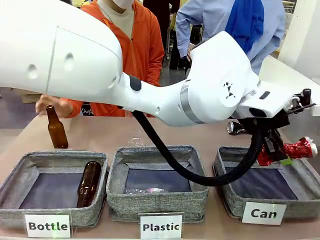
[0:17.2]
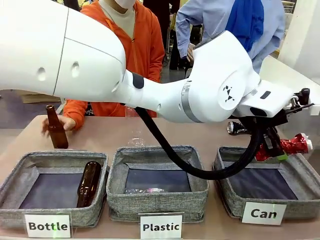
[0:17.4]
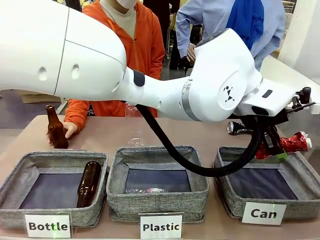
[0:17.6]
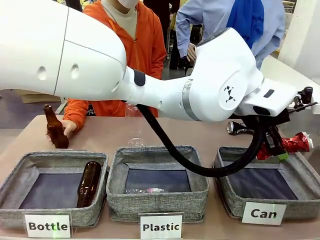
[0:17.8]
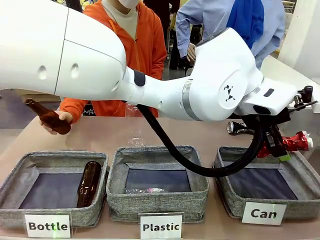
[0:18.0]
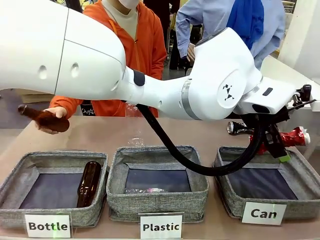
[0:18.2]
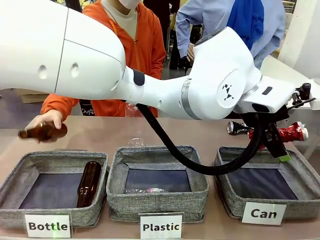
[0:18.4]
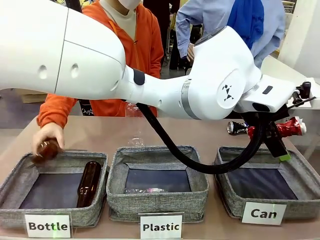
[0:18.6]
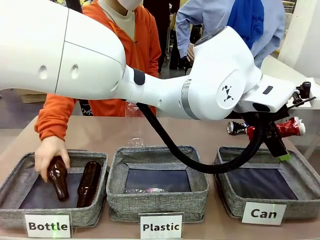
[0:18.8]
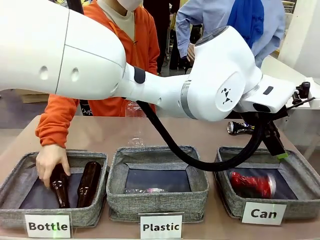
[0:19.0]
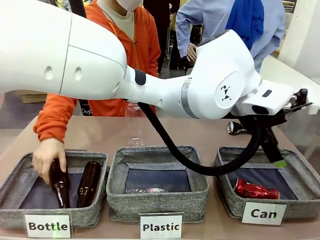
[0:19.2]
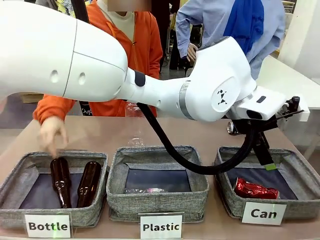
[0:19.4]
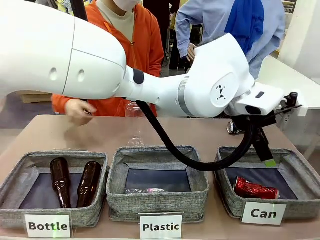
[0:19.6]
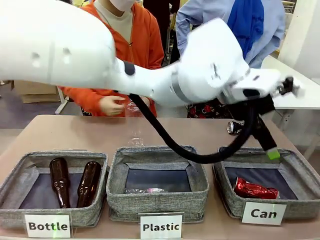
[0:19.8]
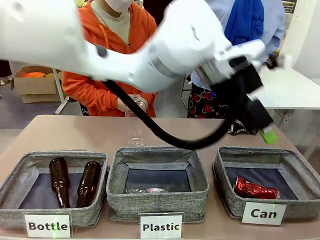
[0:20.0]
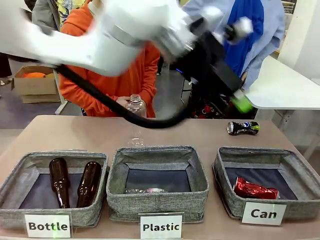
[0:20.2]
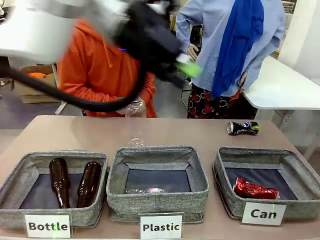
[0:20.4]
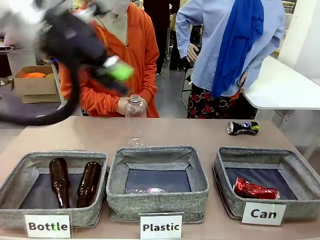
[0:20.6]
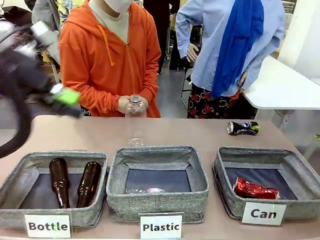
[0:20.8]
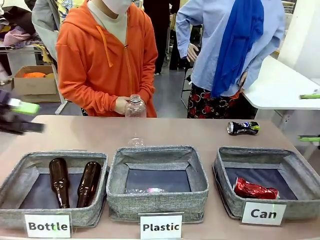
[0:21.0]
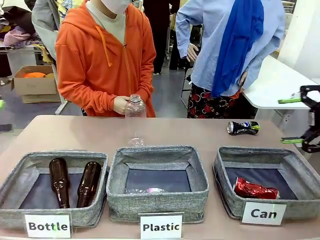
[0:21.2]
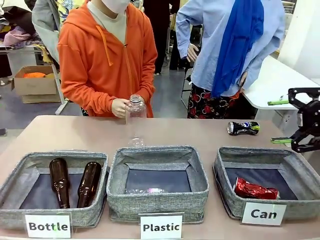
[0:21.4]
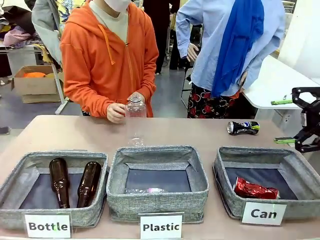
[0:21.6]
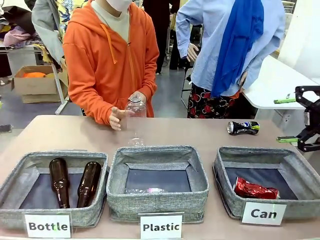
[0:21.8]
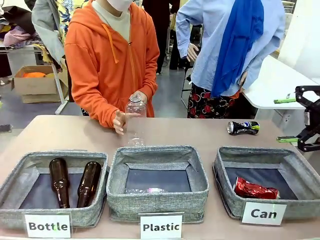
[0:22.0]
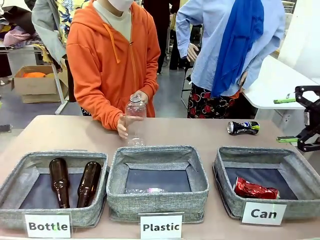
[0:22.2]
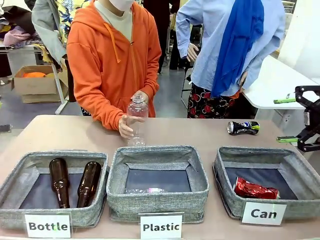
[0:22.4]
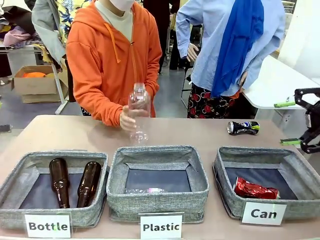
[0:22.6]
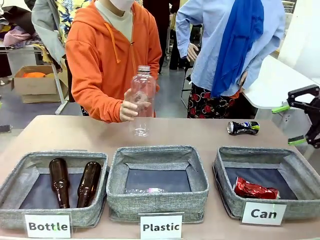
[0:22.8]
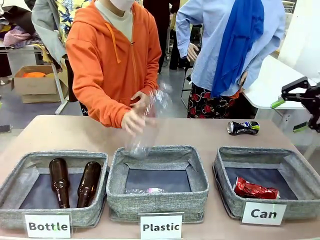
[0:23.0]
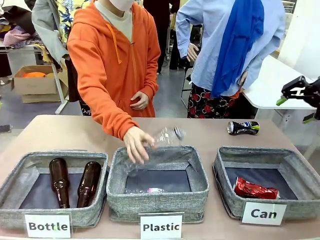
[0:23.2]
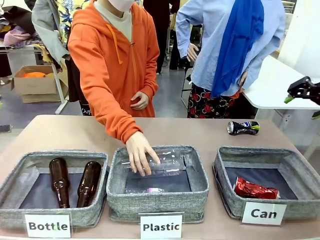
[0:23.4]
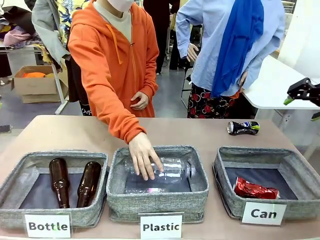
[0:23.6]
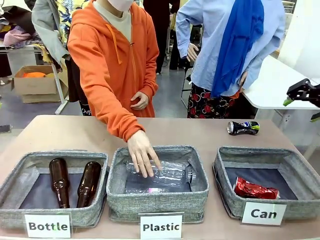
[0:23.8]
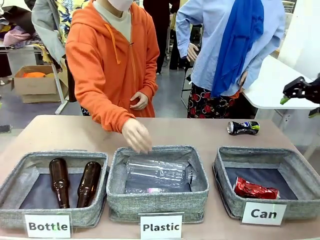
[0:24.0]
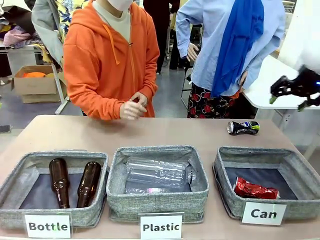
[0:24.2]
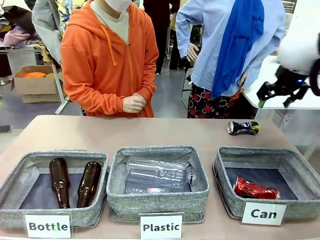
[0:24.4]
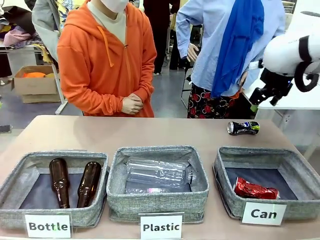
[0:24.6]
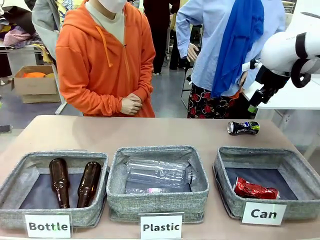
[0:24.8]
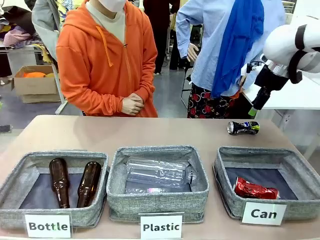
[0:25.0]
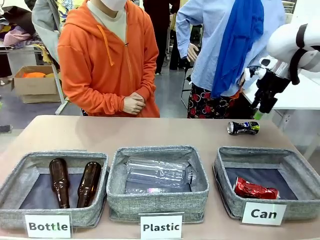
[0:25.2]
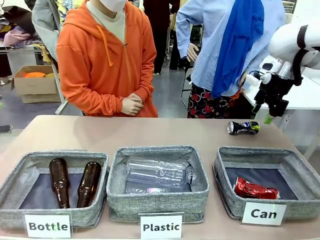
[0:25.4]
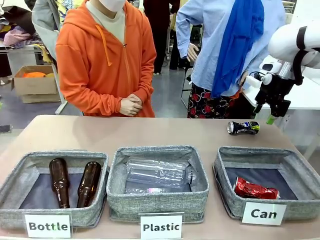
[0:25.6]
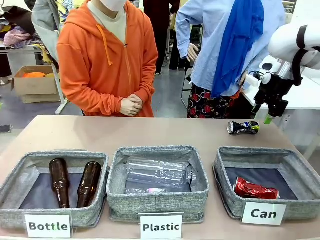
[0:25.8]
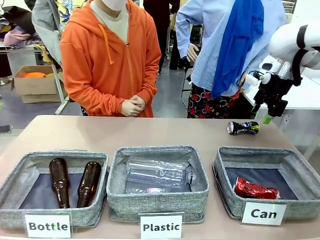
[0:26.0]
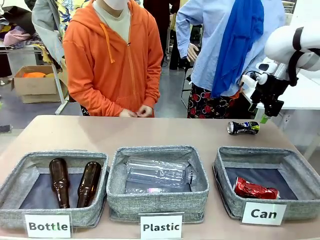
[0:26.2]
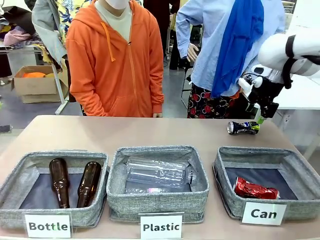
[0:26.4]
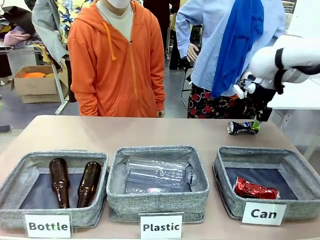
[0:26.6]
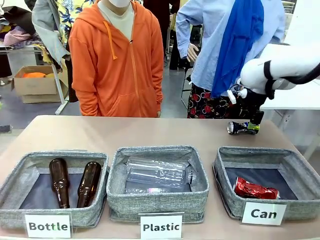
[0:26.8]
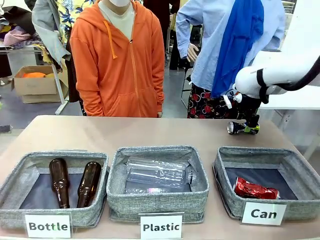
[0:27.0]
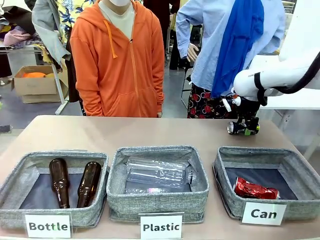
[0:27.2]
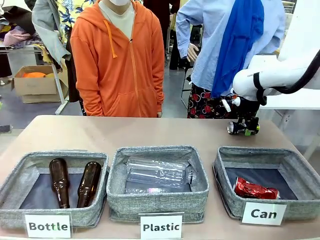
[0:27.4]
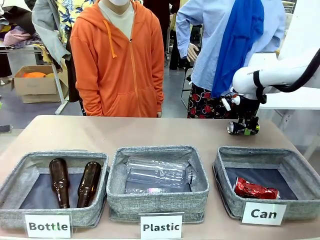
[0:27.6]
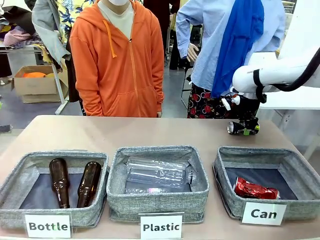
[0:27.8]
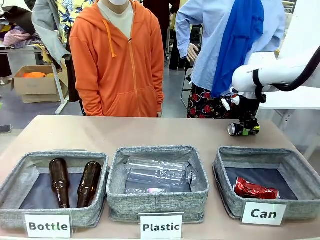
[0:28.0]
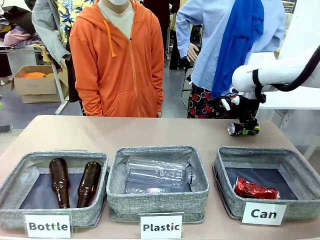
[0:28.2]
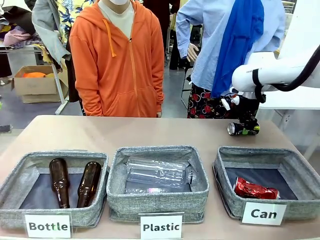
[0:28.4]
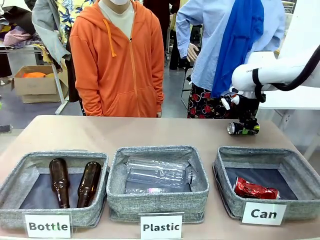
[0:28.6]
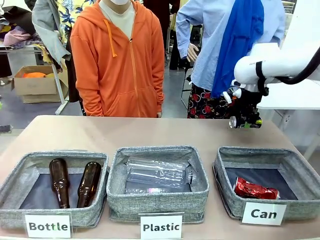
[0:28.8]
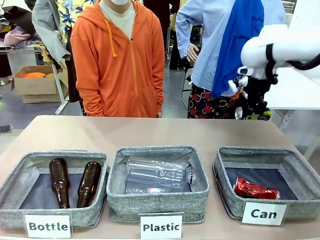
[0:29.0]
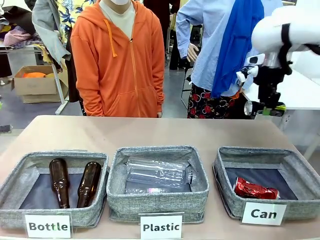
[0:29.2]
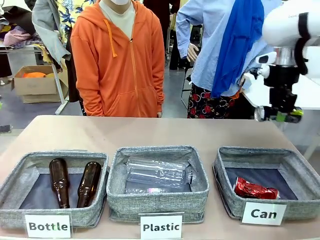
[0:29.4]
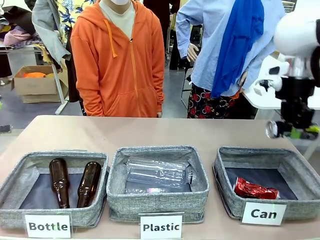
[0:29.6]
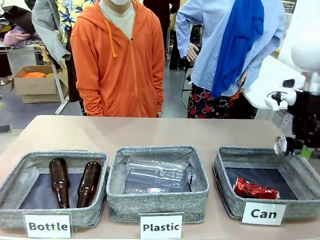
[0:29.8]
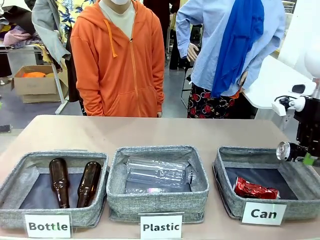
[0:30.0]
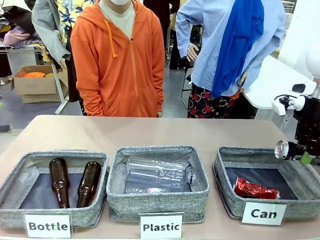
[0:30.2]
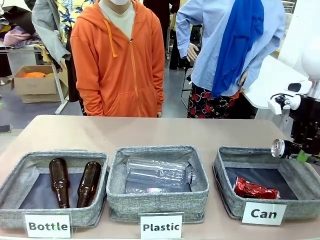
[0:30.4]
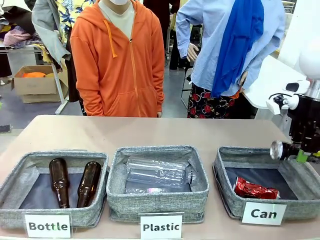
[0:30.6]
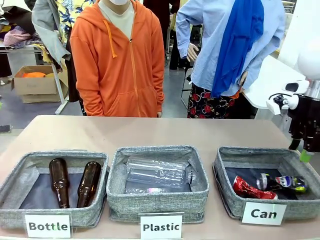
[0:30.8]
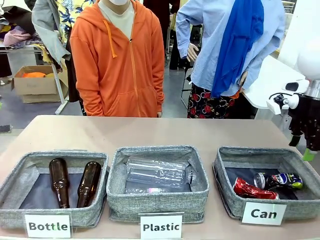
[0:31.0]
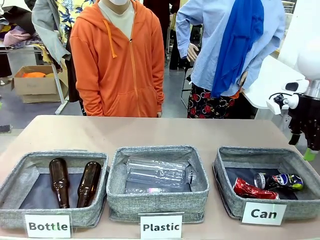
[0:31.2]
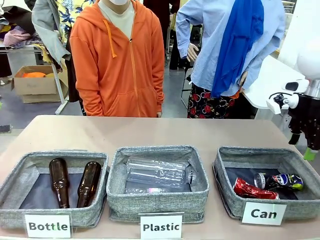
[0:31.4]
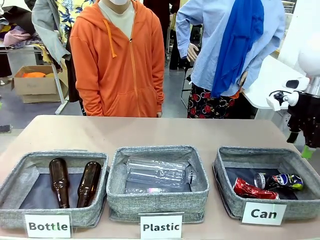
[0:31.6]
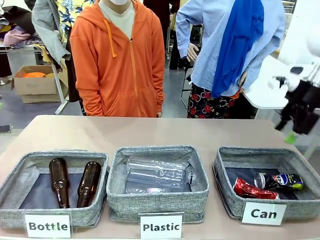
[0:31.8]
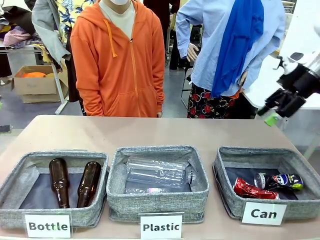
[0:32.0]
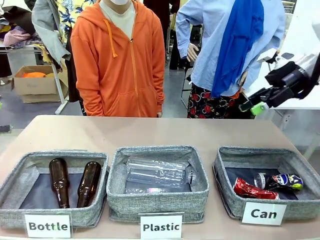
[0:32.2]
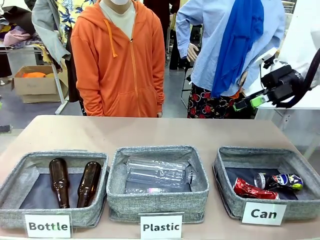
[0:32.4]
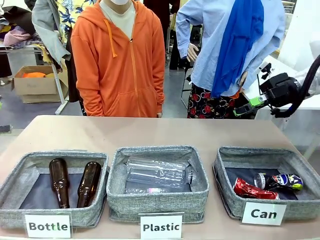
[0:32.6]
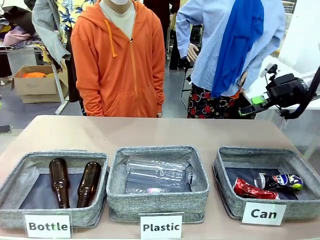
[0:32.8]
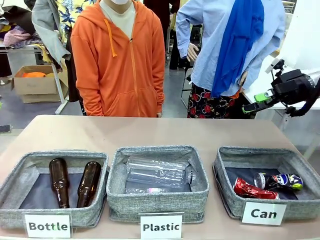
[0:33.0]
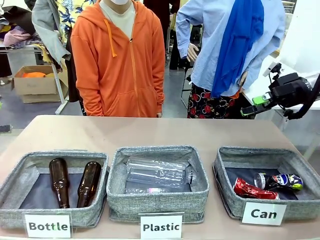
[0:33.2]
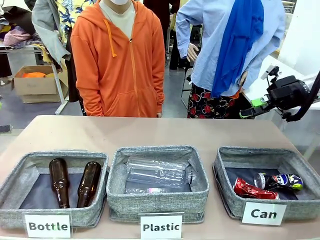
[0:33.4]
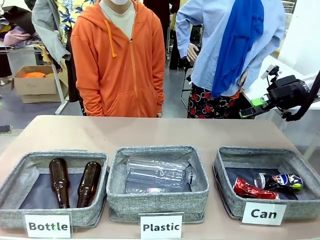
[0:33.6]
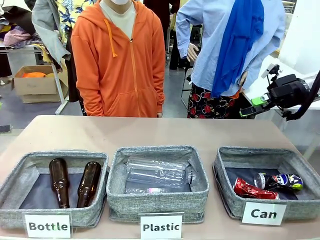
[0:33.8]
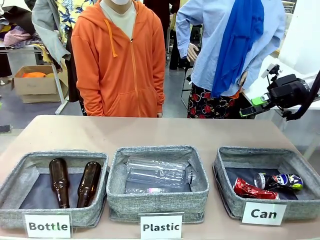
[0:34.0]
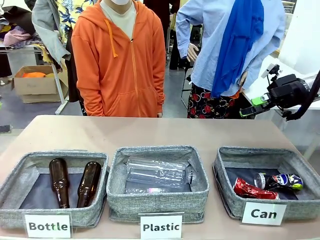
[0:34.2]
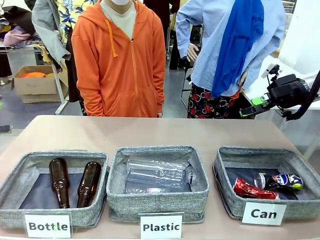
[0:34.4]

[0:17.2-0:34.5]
Task: Sort the can waste into the basket.
Robot: Pick up the can waste from the table and place it in the right Fabric basket.
Person: The human picks up one piece of trash that is not a can and places the trash into the appropriate organizing basket.
